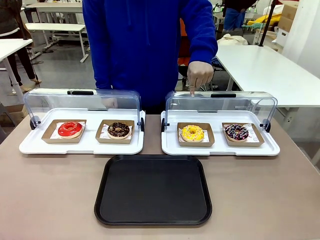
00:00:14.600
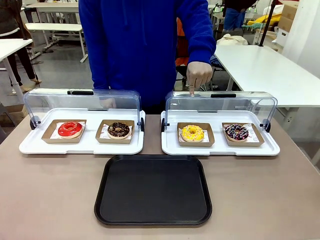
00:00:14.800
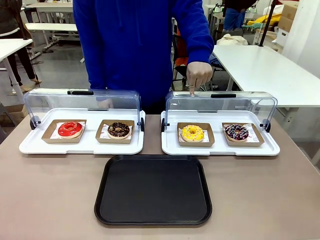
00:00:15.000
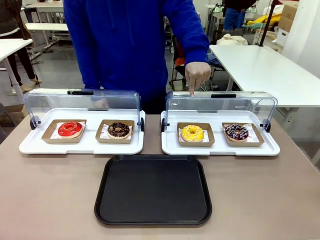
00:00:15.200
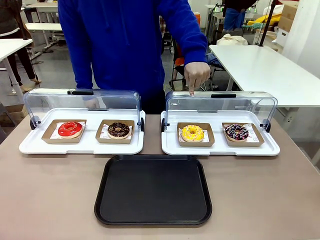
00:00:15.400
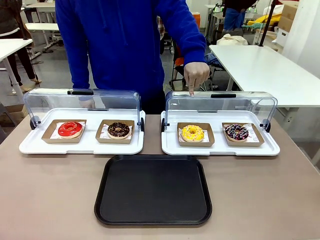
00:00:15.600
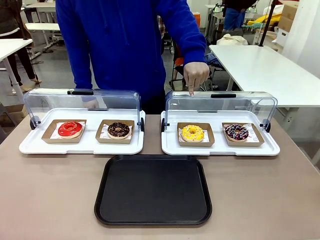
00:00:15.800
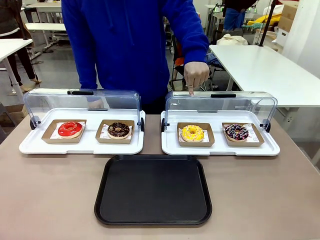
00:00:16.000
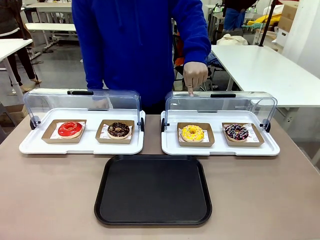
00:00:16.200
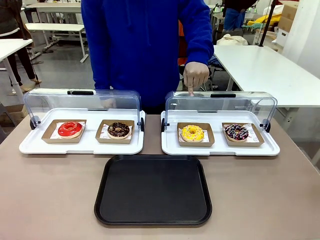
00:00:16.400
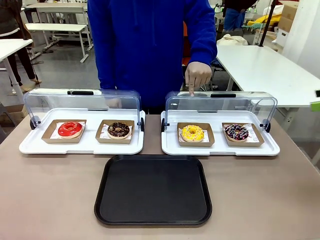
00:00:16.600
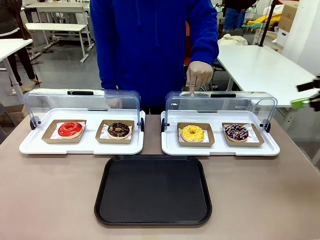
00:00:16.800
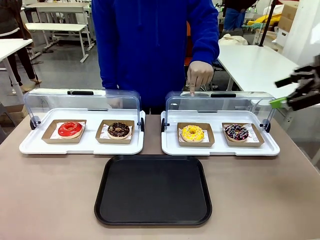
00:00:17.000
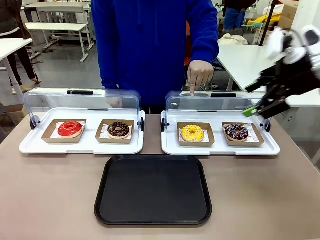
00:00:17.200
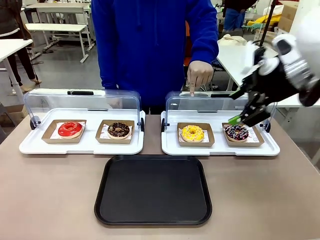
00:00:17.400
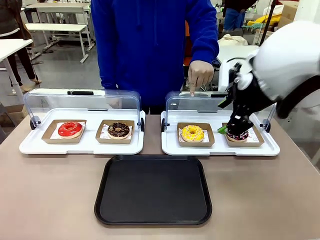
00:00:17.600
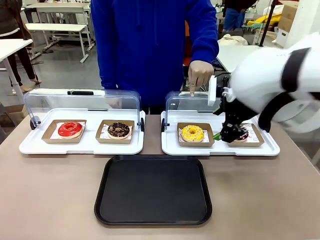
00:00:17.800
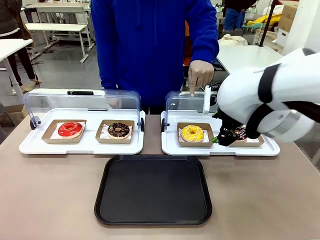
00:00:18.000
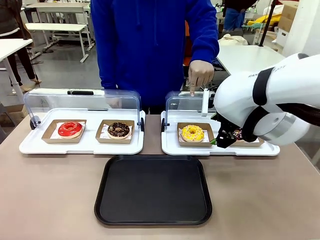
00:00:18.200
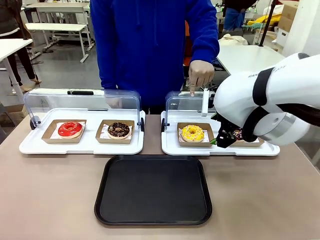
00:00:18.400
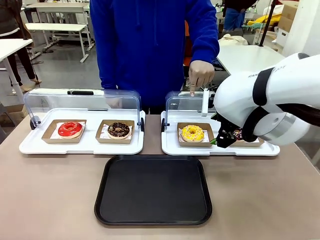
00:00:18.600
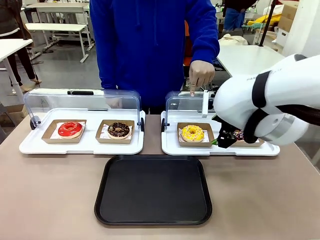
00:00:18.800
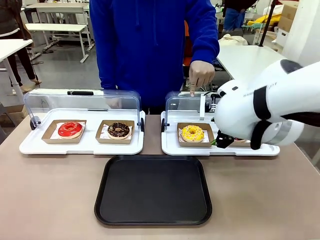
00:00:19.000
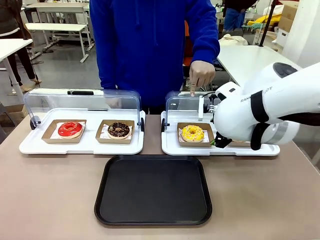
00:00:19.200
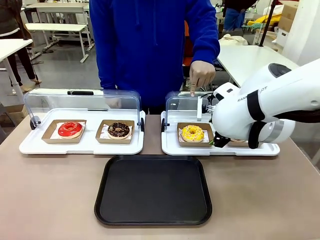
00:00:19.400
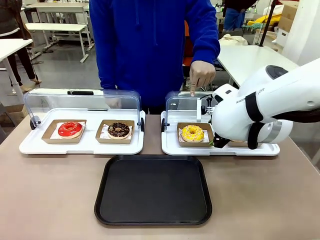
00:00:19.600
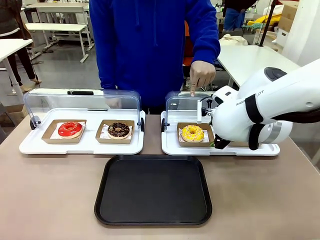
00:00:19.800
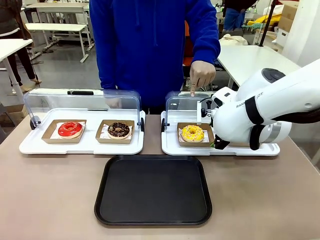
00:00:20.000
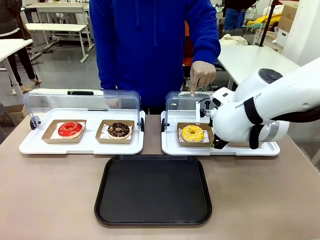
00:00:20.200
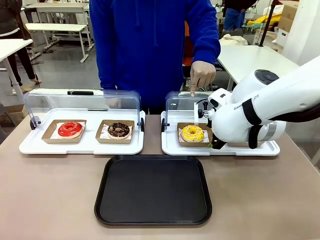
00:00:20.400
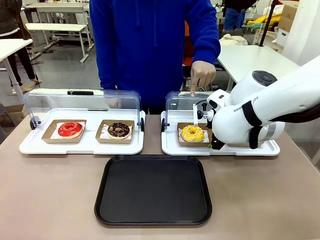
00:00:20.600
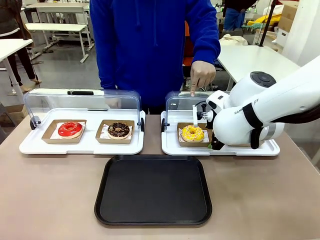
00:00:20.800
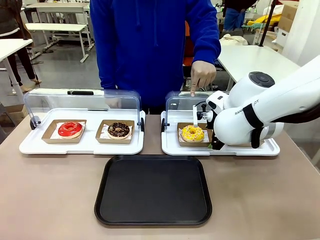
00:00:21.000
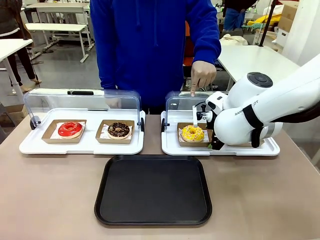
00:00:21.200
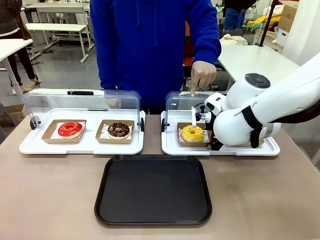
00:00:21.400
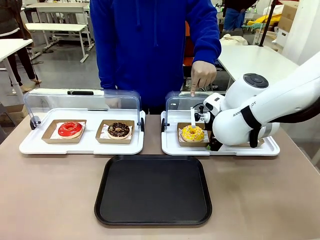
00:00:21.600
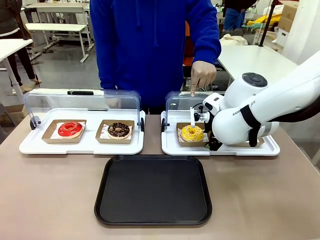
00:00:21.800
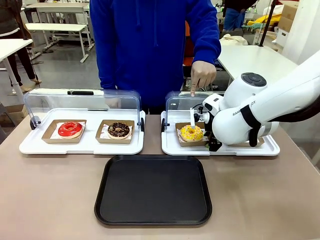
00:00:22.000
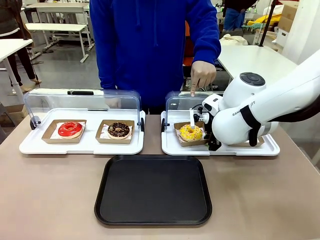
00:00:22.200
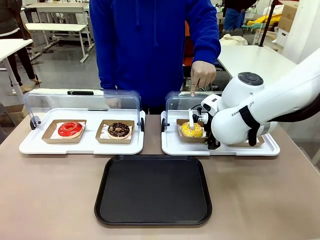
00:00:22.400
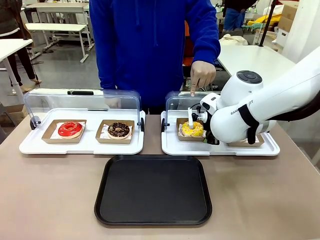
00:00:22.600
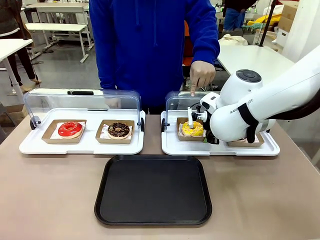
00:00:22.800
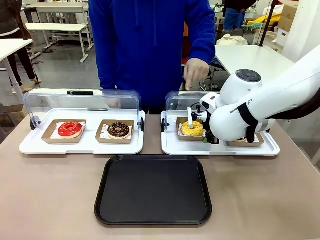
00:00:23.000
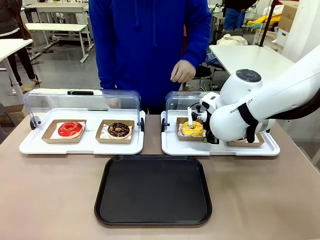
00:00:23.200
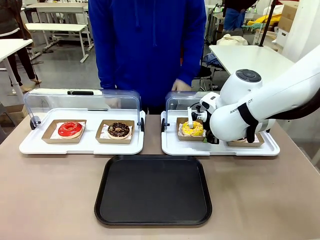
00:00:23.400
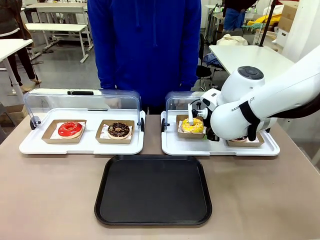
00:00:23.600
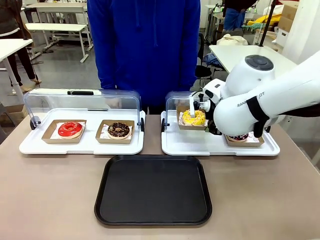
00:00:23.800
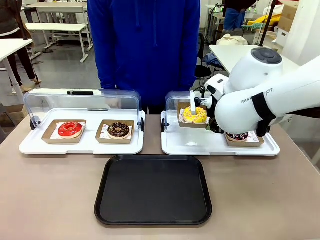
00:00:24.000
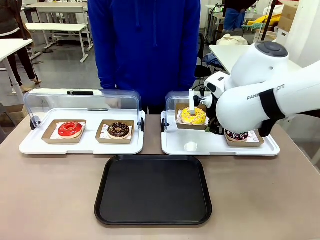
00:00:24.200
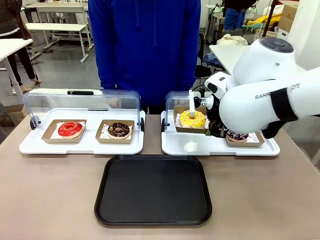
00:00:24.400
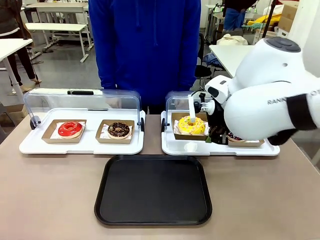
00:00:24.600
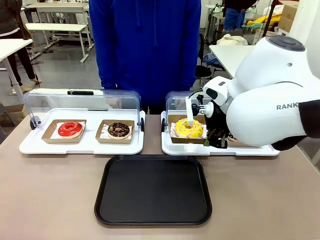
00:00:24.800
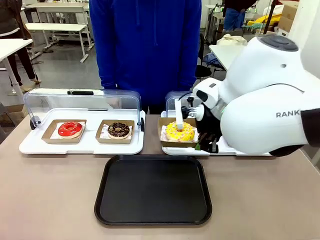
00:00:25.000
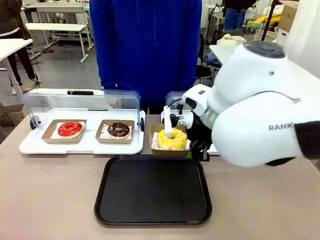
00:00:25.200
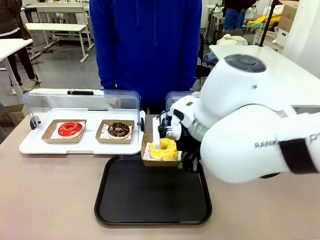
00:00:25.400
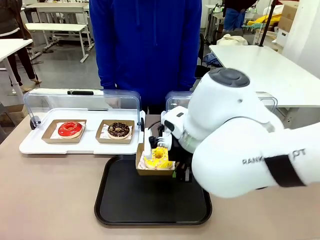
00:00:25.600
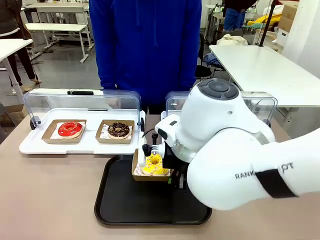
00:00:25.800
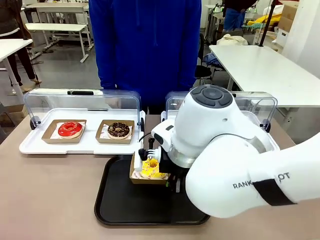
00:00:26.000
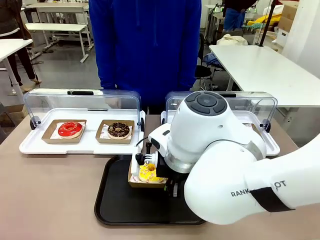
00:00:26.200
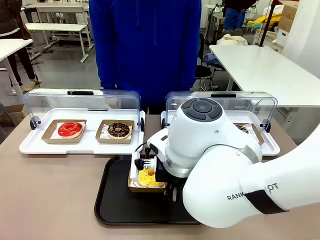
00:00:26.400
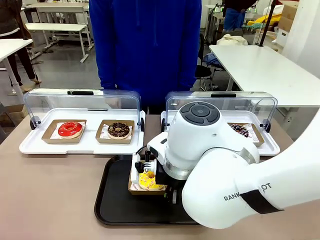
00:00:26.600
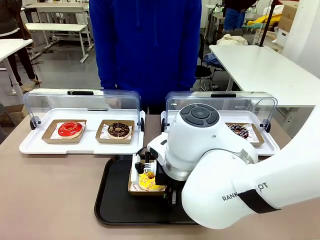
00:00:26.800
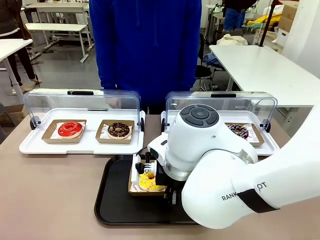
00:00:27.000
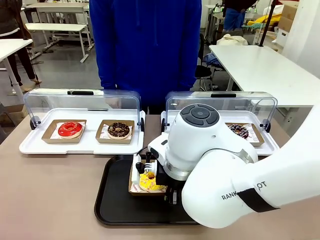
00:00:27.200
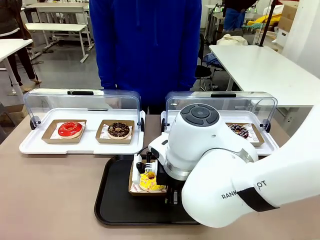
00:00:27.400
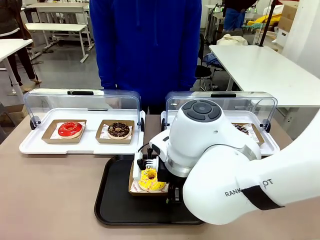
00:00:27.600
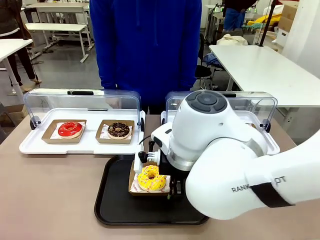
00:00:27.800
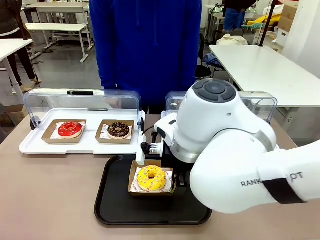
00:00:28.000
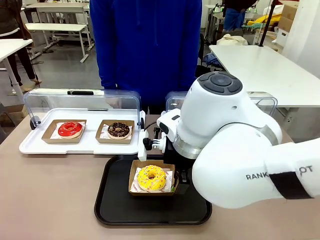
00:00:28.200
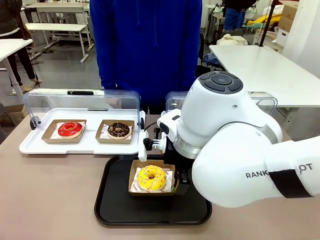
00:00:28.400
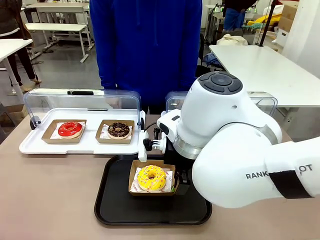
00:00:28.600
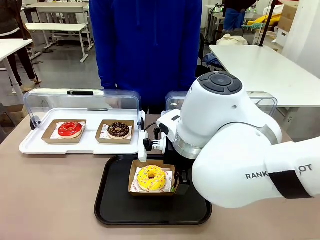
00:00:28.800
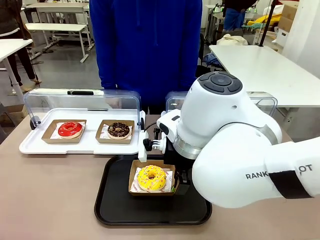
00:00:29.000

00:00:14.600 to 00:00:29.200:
Task: Move the third donut from the left to the tray.
Robot: Pick up the Paper togo box containing the Donut indicated by the person and place it on the Handle tray.
